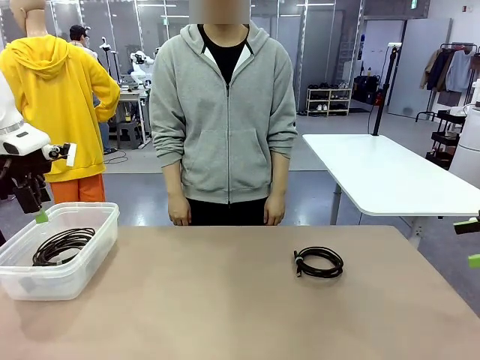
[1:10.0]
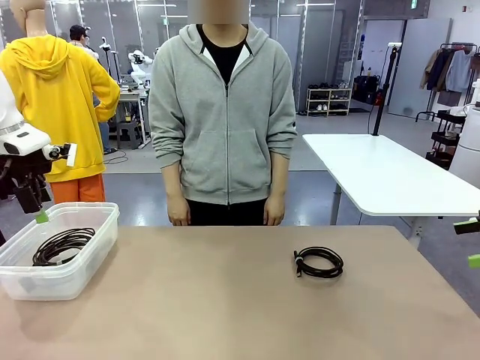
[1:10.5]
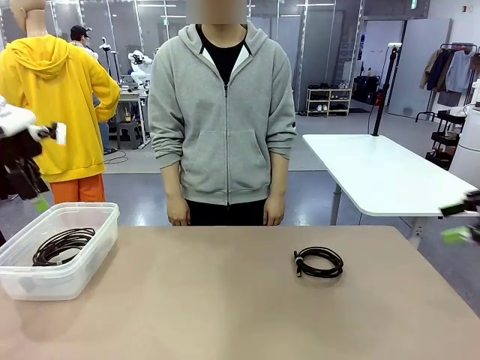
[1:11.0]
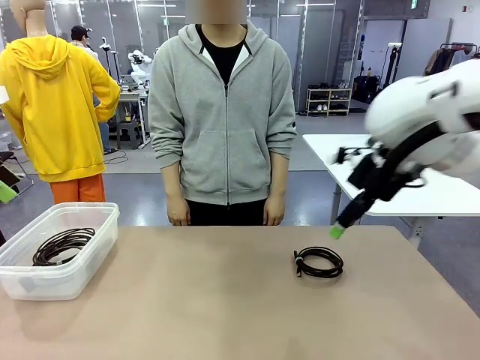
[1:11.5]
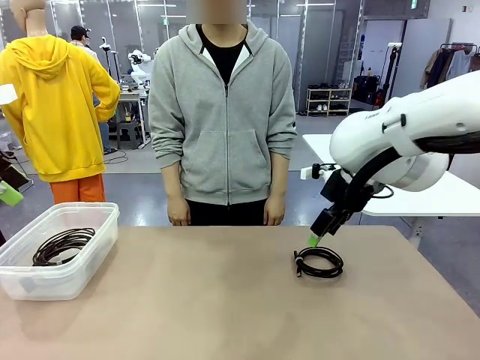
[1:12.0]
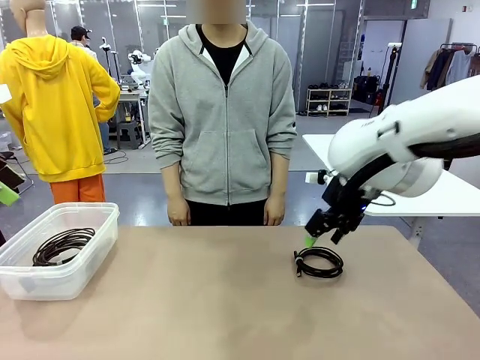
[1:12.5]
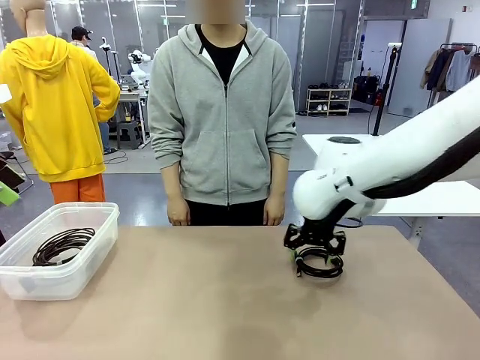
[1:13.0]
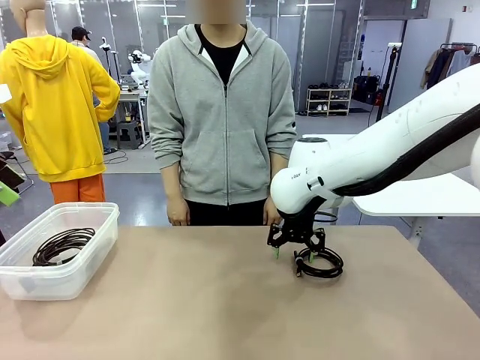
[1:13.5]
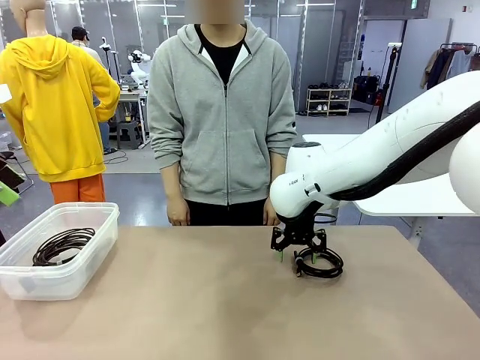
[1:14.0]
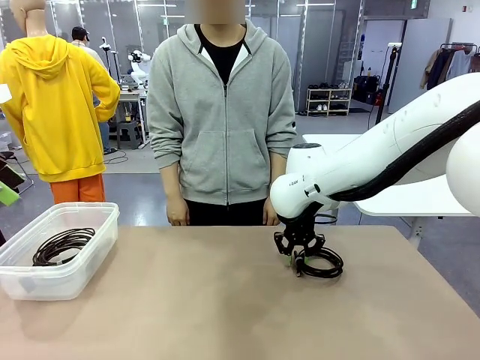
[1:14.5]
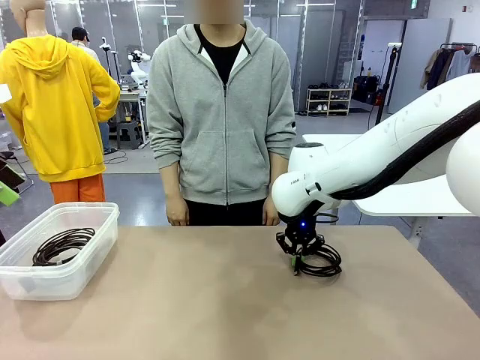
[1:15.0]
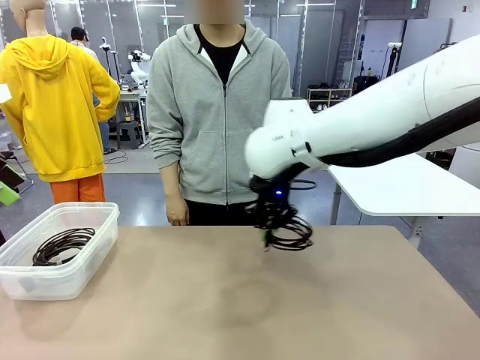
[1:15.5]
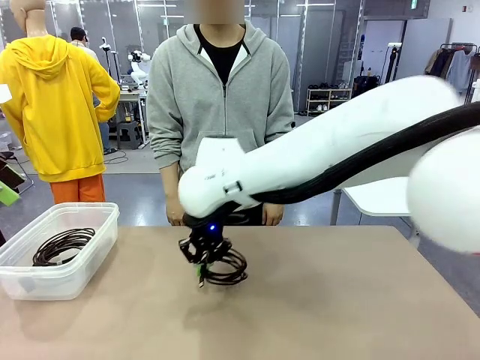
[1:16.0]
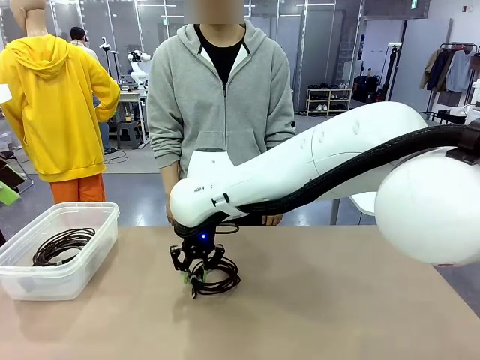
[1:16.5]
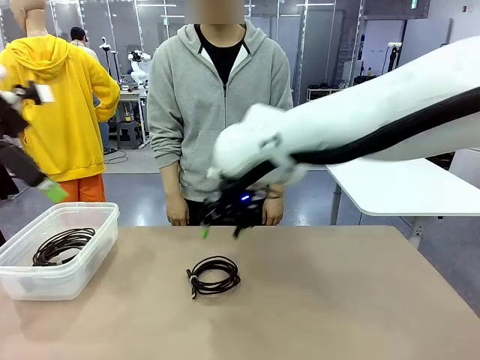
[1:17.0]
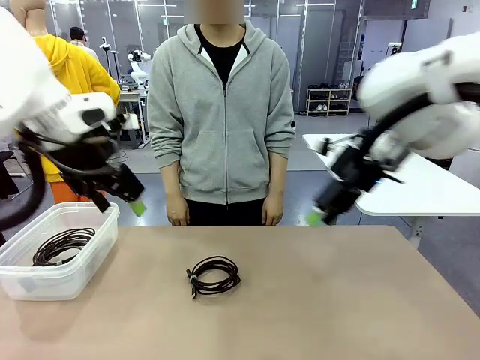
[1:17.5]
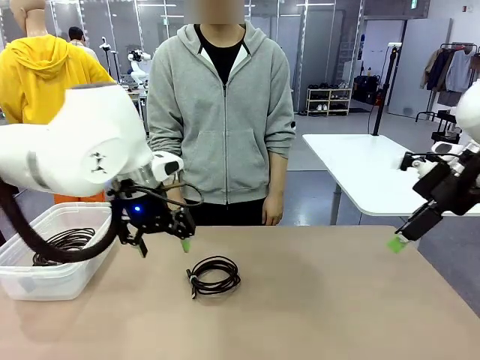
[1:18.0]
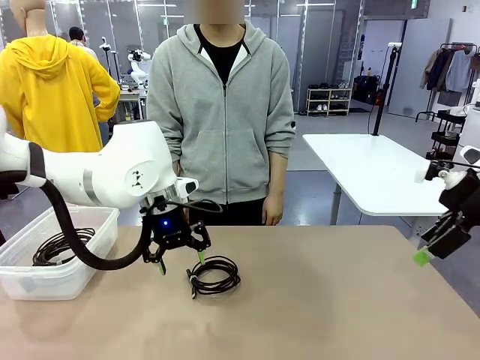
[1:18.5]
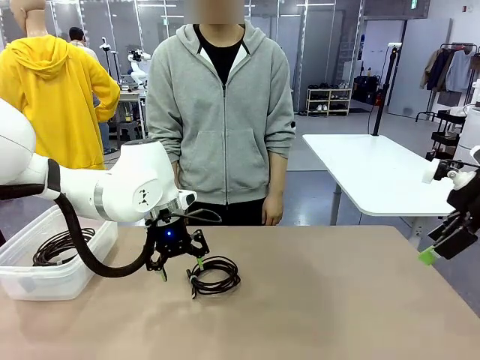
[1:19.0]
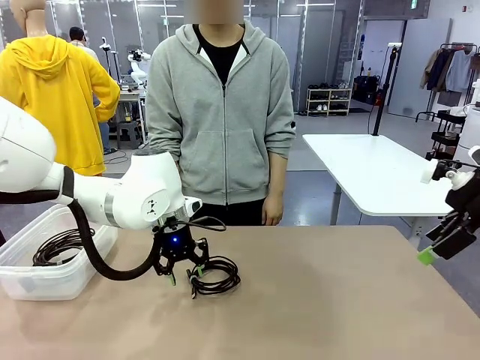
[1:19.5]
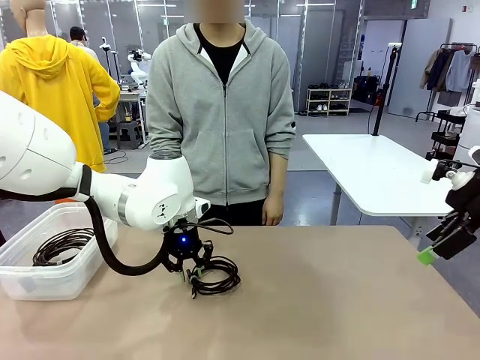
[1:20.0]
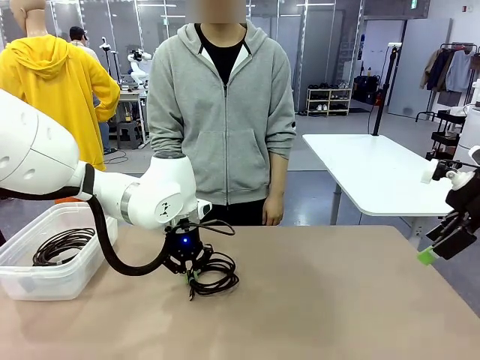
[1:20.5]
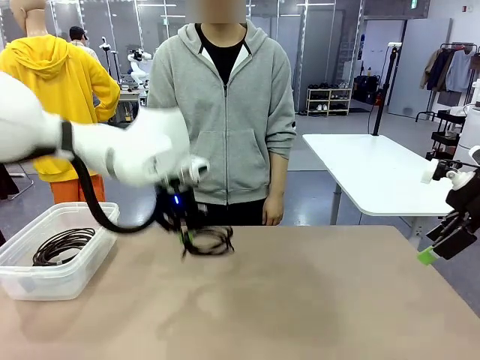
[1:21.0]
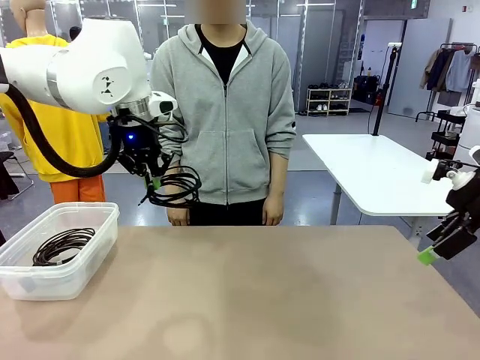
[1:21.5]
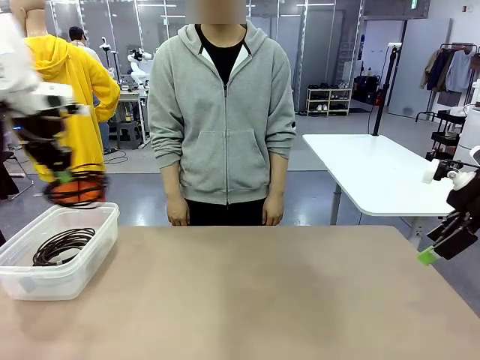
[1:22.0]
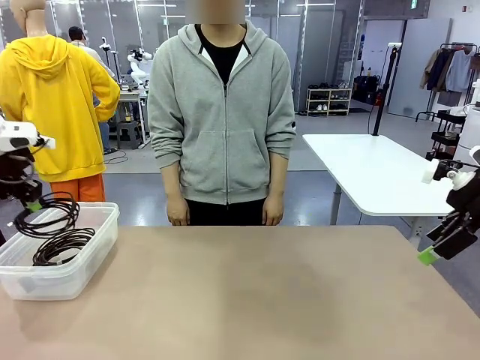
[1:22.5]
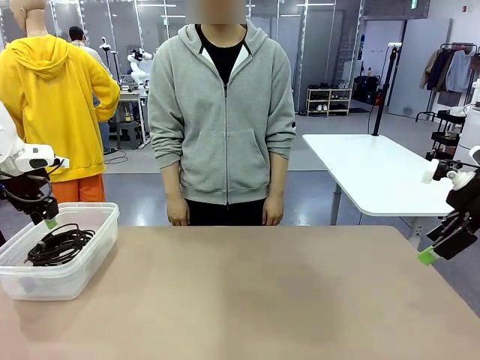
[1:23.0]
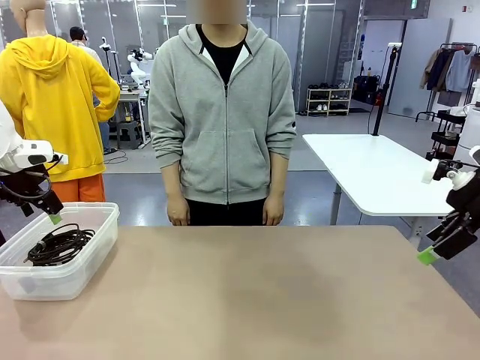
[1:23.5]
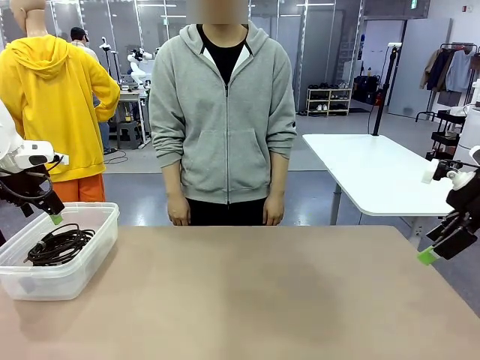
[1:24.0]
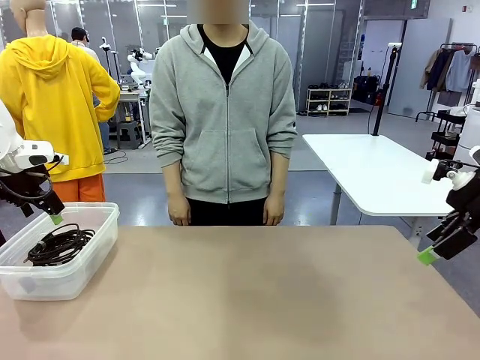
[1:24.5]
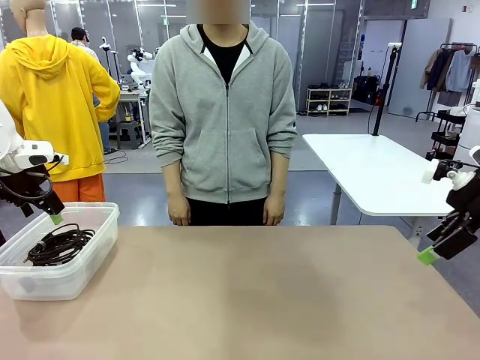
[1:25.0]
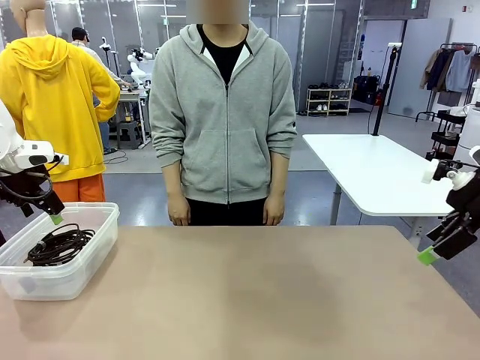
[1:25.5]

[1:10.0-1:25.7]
Task: Organize and store the cables.
Robot: Place the USB Extension Cable into the Organizing box.

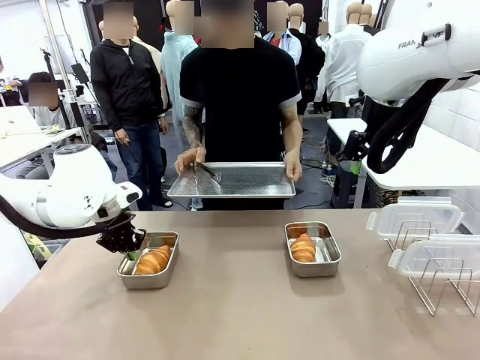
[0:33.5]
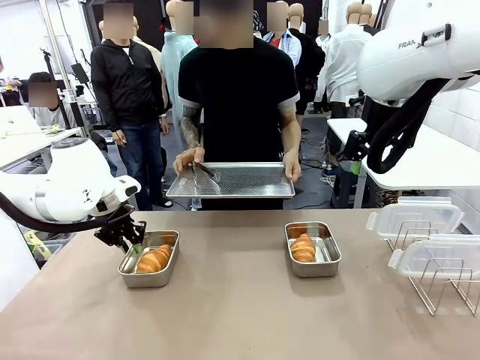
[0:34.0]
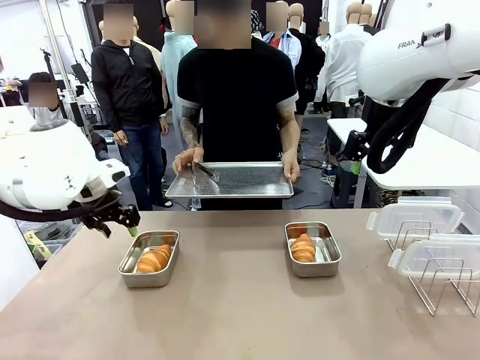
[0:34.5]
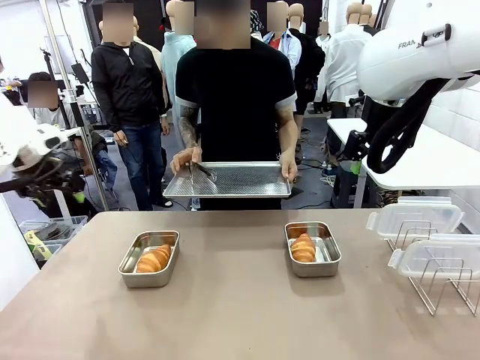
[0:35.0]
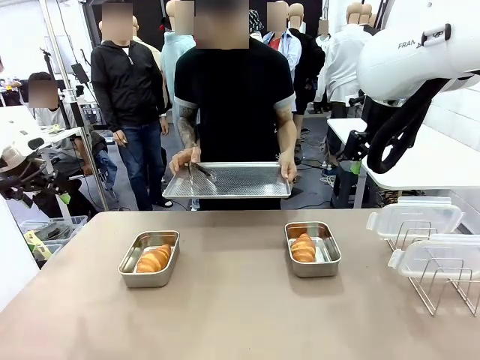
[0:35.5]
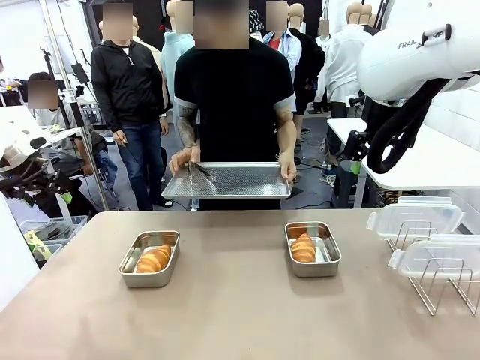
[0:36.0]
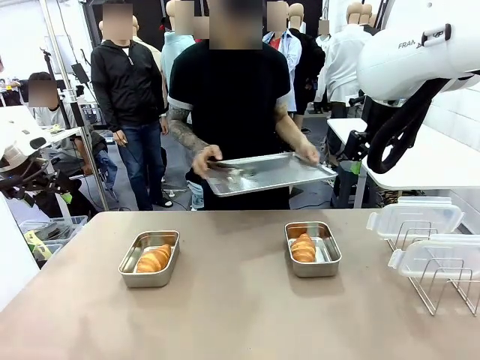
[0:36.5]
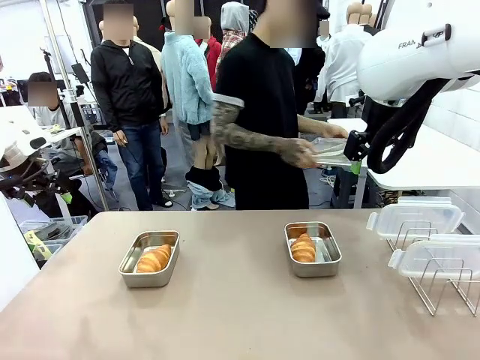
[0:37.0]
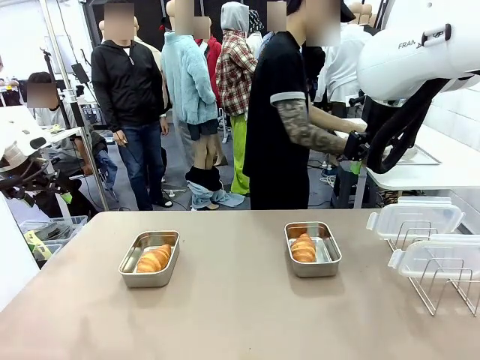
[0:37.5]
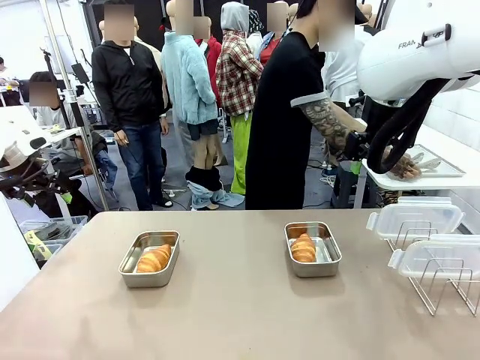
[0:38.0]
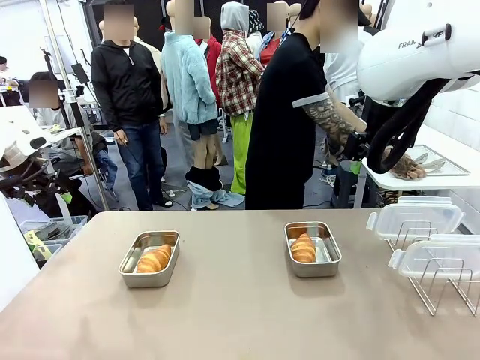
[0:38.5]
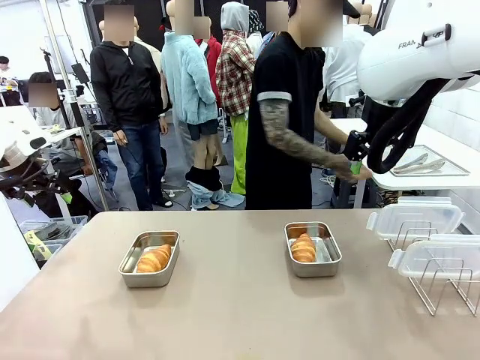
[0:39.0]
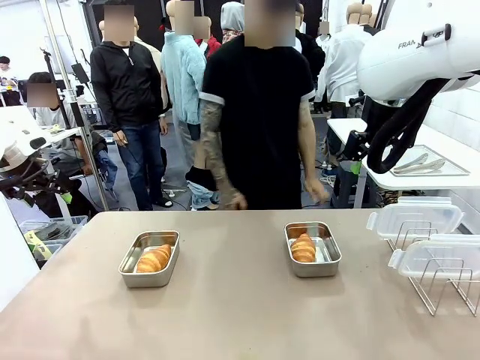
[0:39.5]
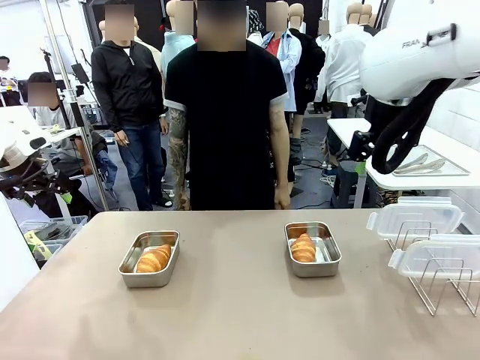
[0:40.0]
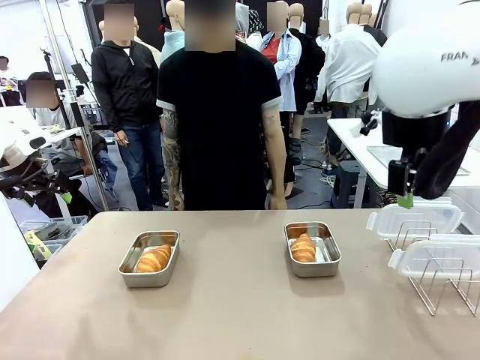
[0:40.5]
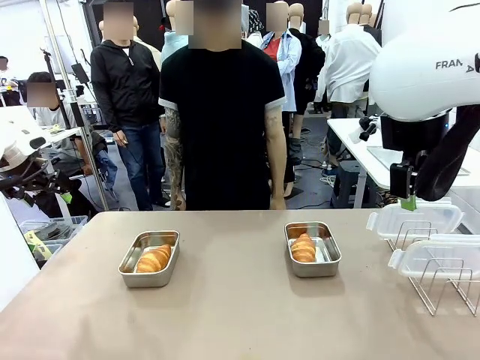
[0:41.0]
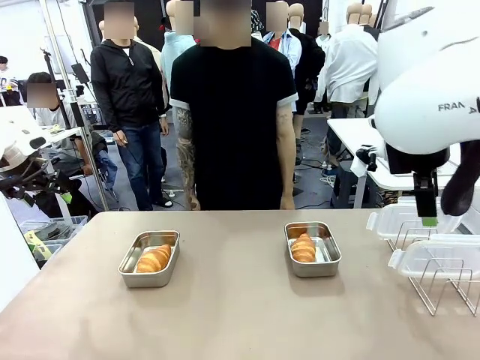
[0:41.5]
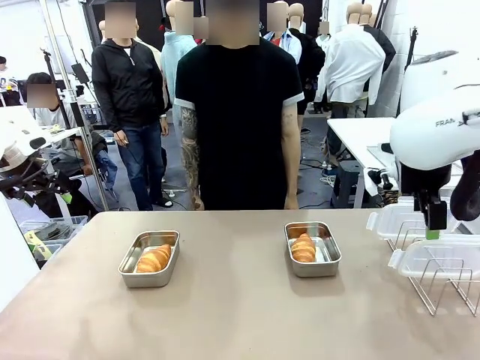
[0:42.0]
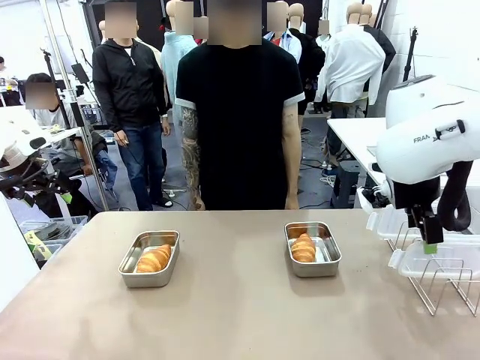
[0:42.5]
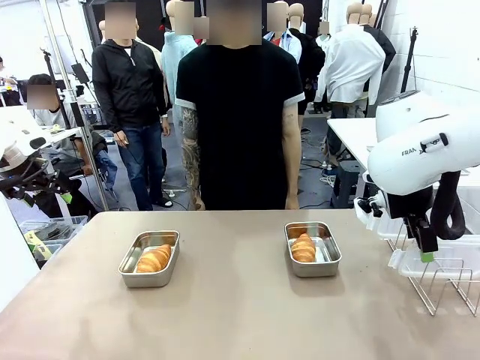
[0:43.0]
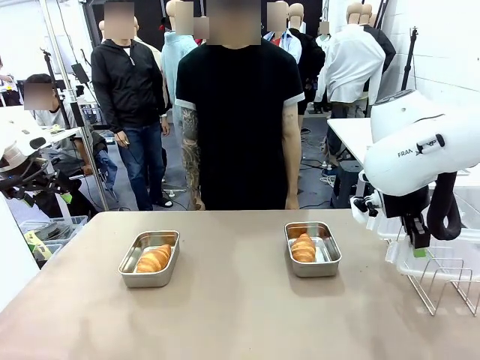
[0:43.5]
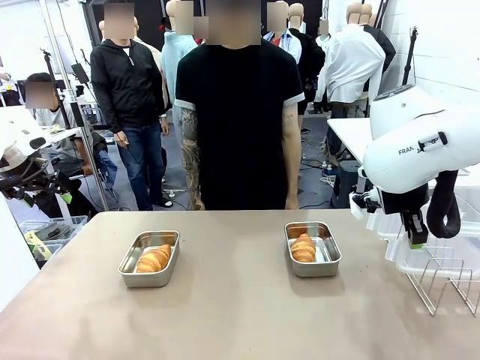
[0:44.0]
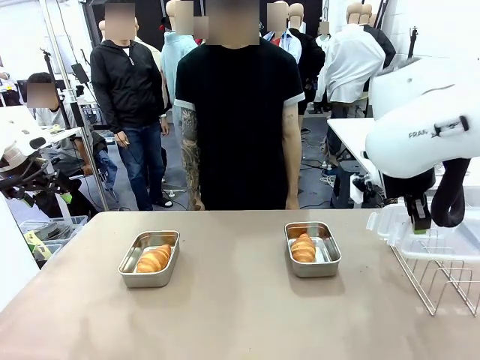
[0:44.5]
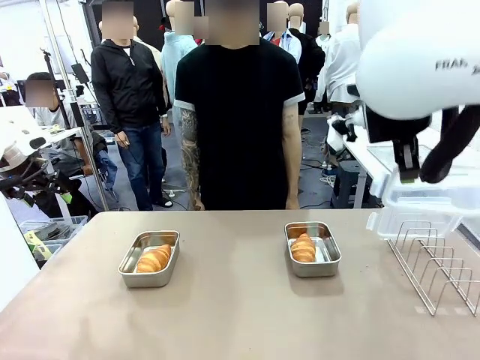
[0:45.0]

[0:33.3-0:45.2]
Task: Place the bread in airtight containers.
Robot: Pick up one Airtight Container lid and hand it to the human.
Person: Place Baking Sheet on the Human's Table. Grip Airtight Container lid that robot is handing.

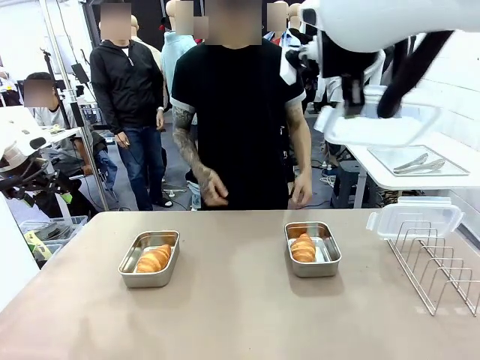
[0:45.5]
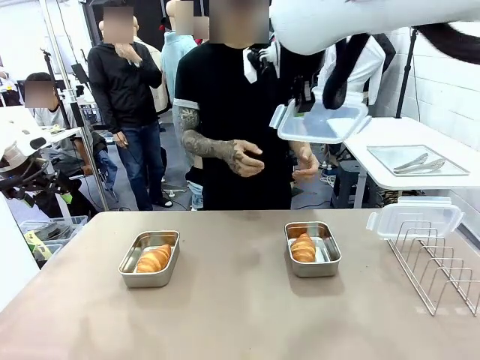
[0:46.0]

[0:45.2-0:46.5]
Robot: Release when the human grabs the Airtight Container lid.
